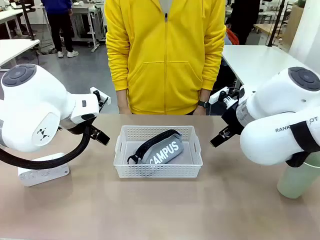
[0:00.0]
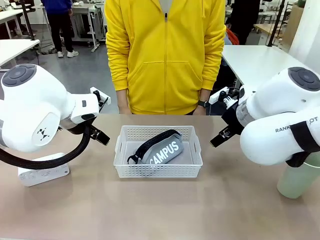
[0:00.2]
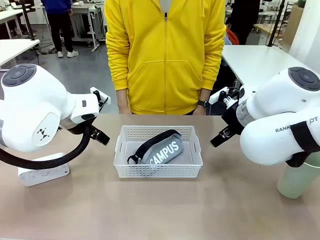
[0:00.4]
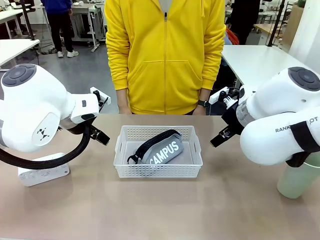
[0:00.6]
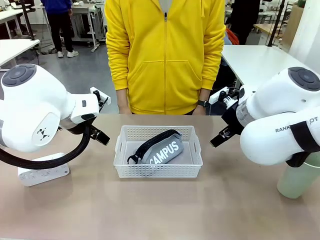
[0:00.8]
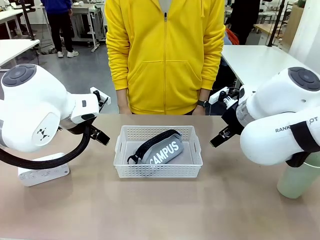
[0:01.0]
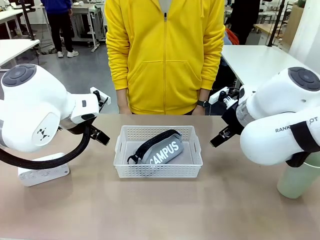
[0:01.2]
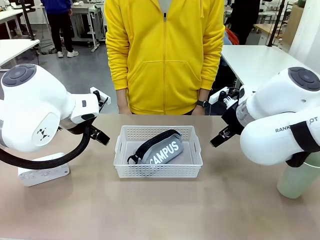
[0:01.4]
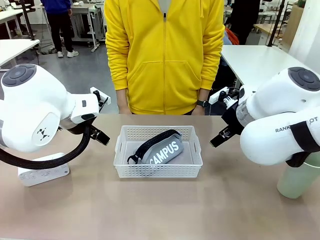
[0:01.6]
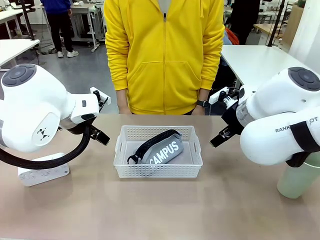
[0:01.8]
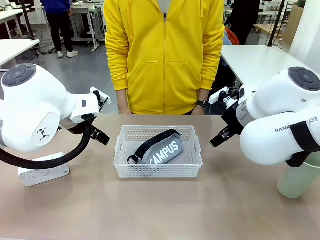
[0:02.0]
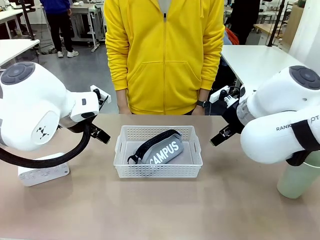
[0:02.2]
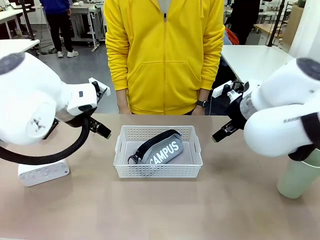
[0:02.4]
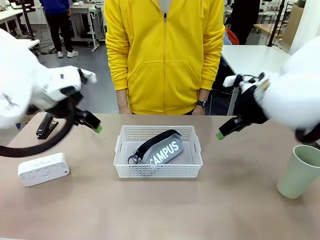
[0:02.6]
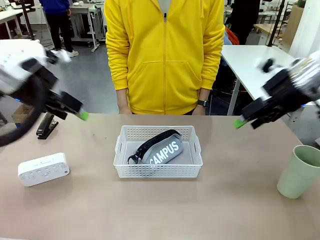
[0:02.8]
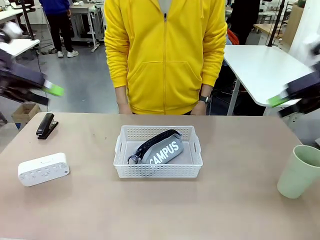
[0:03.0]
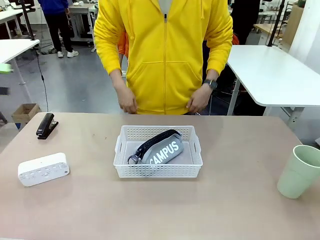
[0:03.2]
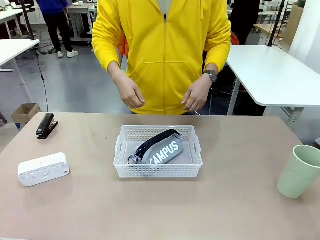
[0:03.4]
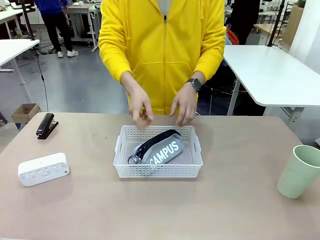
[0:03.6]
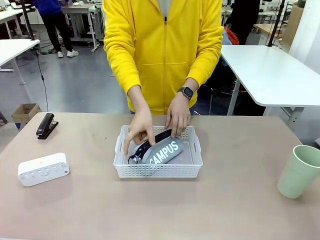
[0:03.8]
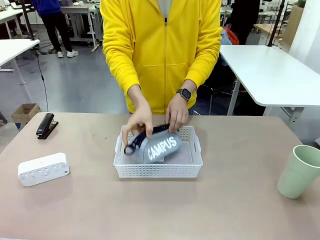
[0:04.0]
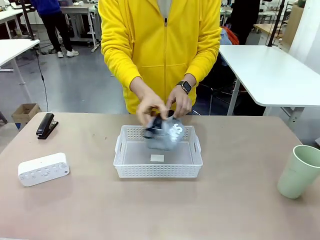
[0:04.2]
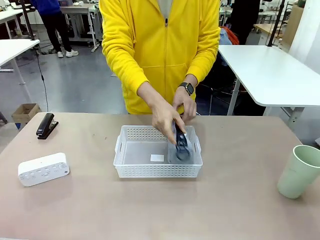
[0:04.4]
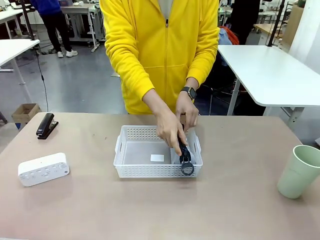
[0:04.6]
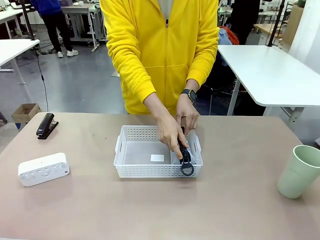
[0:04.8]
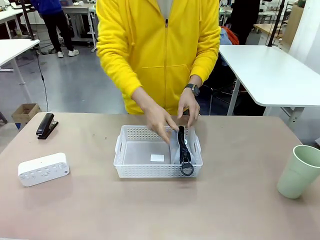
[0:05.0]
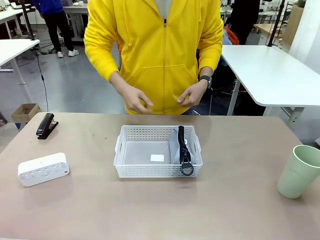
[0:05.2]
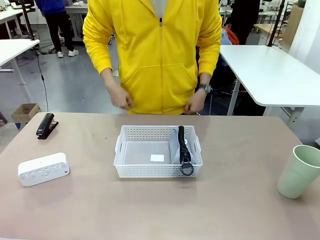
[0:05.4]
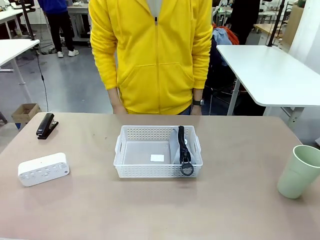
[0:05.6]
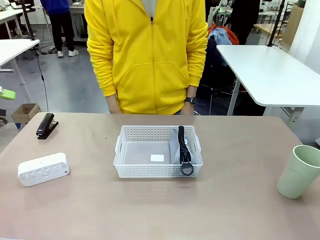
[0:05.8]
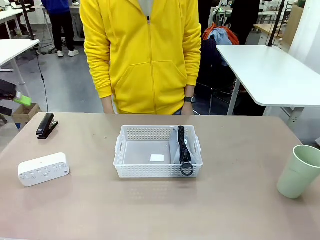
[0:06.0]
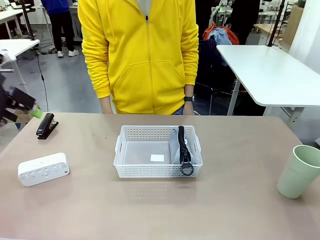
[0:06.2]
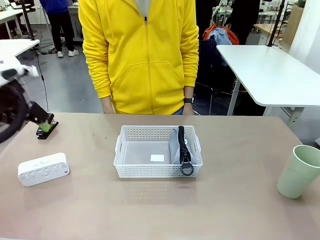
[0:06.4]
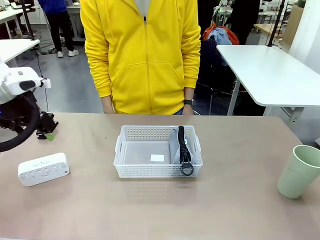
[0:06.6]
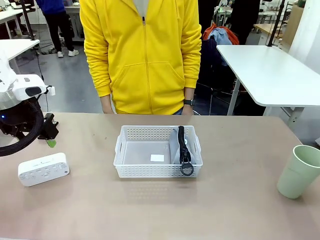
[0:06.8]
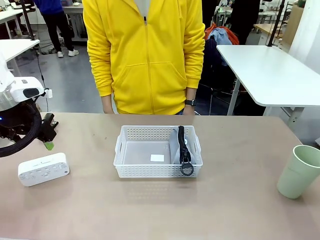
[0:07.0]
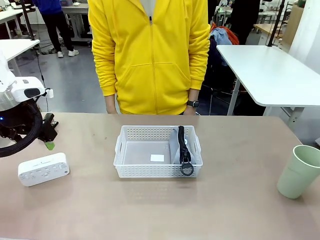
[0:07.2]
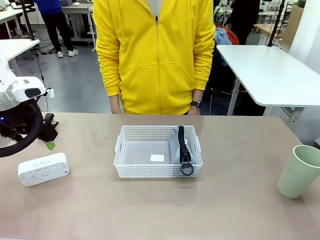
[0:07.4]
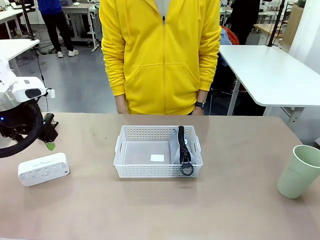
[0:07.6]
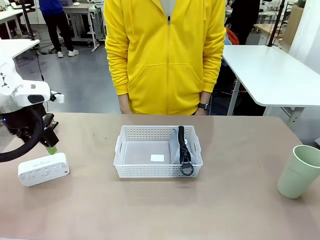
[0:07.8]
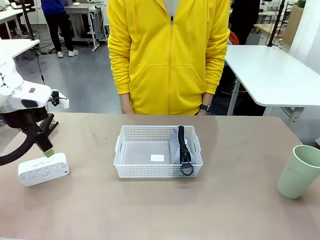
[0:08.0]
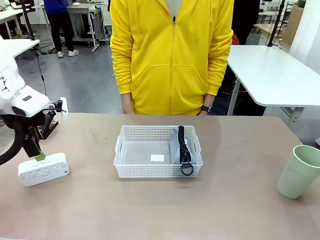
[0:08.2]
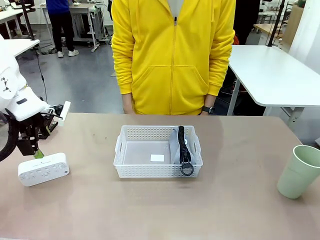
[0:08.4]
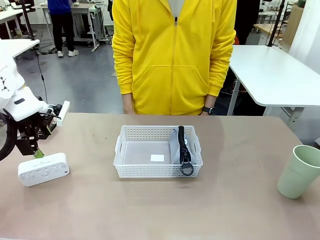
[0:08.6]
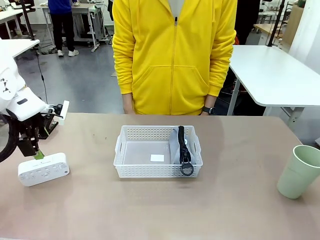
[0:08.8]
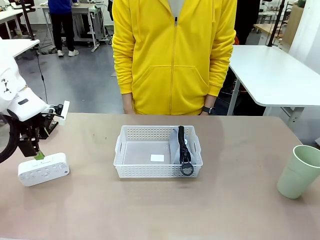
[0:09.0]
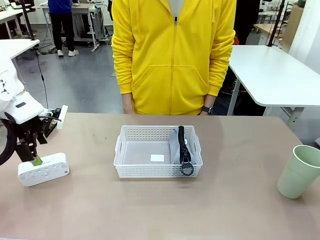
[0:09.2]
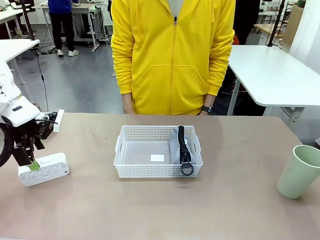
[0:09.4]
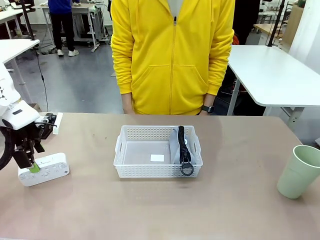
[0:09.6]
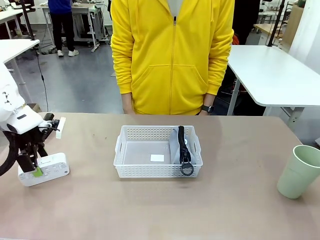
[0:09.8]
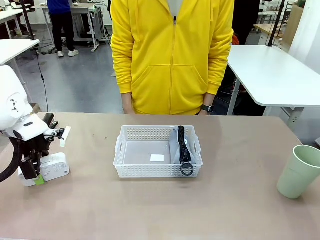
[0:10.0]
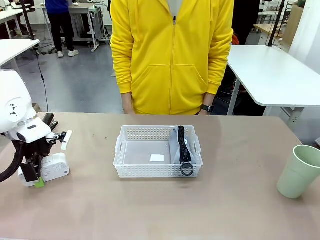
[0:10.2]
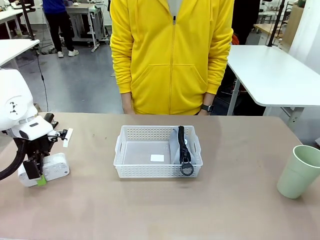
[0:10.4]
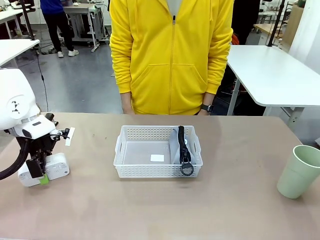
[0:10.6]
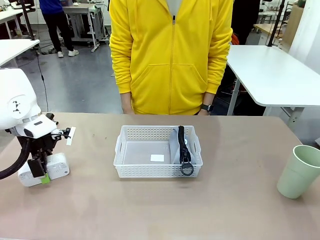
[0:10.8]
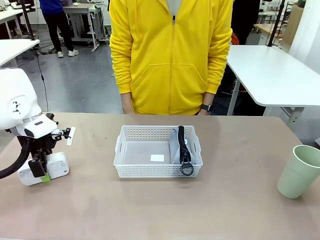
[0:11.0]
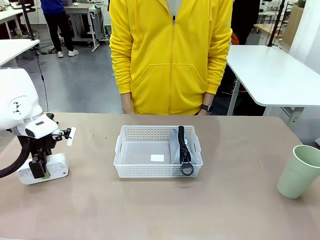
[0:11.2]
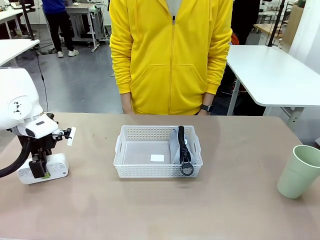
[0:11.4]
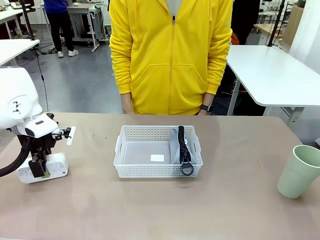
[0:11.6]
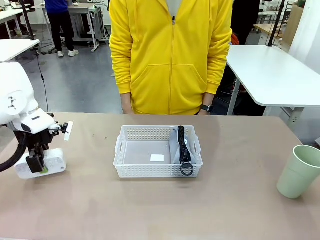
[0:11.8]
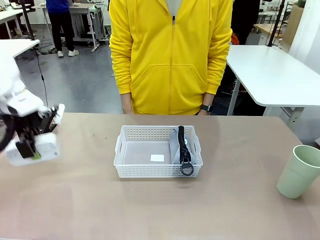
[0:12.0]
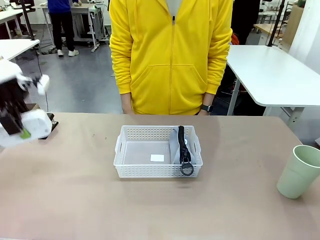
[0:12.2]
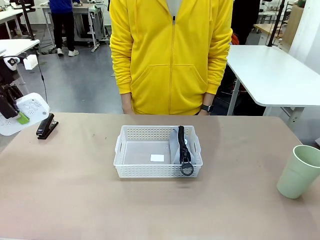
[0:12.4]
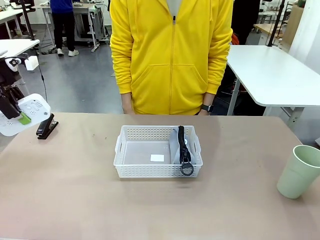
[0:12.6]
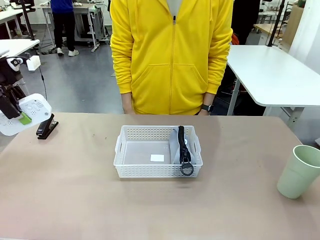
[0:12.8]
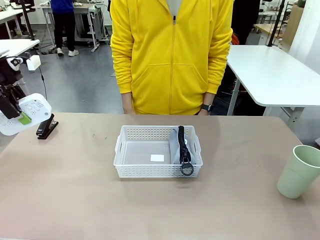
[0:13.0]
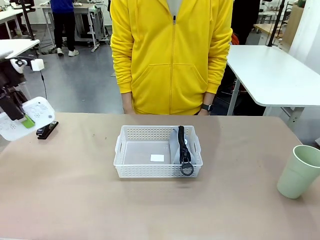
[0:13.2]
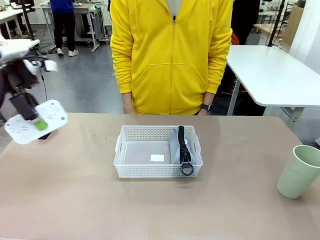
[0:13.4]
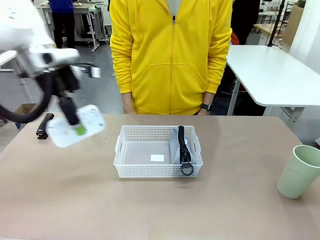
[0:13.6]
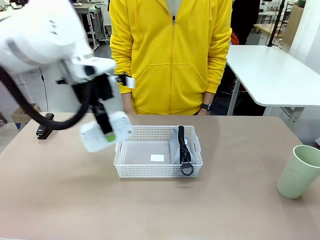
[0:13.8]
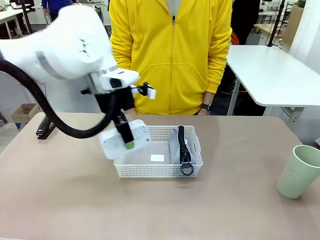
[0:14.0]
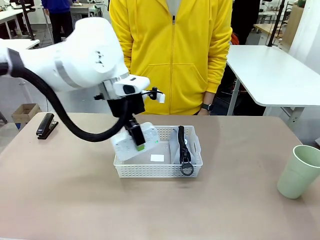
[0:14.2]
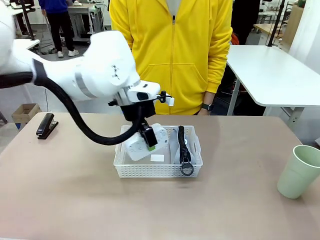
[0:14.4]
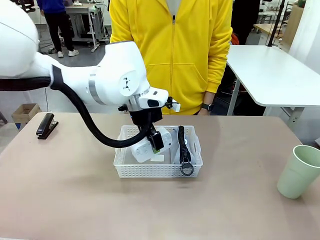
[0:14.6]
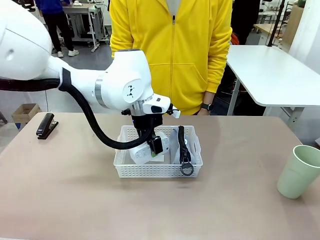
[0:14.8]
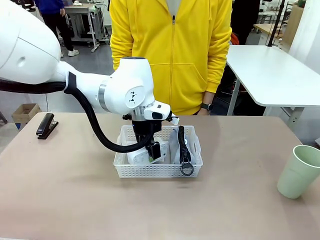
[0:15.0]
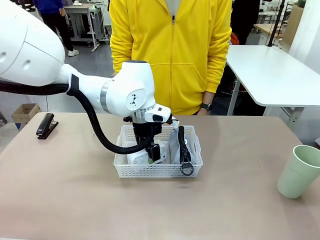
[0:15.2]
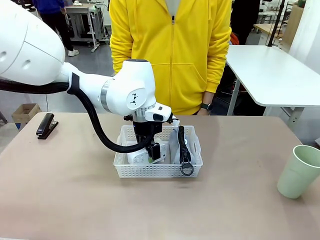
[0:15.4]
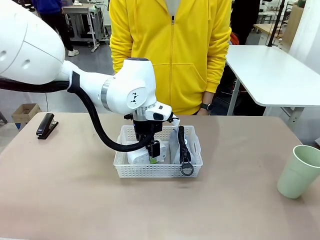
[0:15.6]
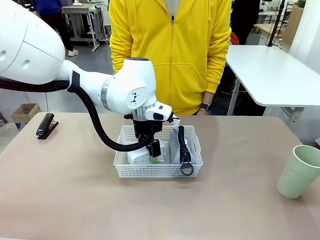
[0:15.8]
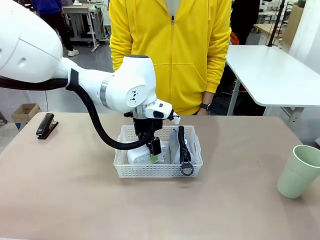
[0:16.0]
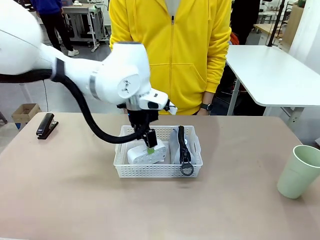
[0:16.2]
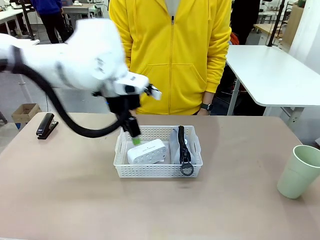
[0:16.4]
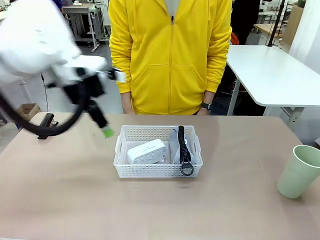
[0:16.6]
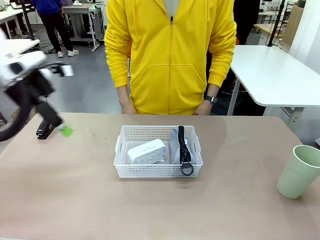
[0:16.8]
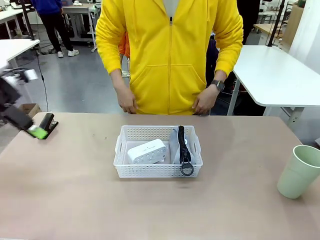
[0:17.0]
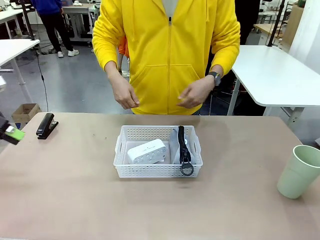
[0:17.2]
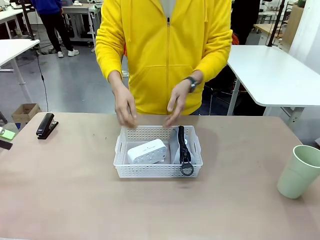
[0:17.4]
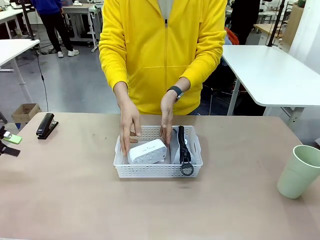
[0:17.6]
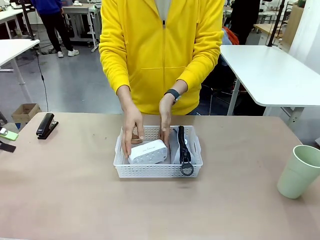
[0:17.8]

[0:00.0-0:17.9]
Task: Efficiently arrange items inside the basket to fit them all.
Robot: Pick up the Digital clock and place it inside the Organizing basket.
Person: Repositions the pencil case. Repositions the digital clock.
